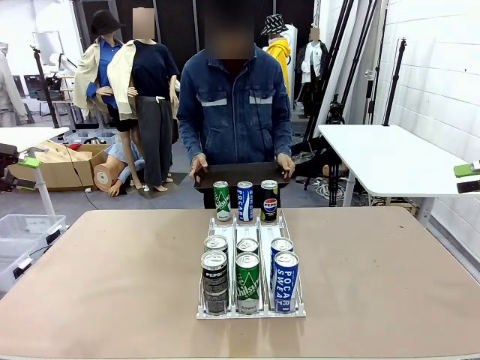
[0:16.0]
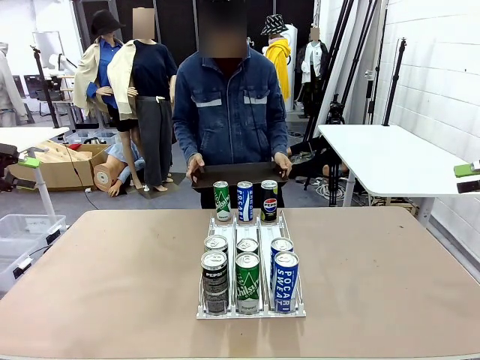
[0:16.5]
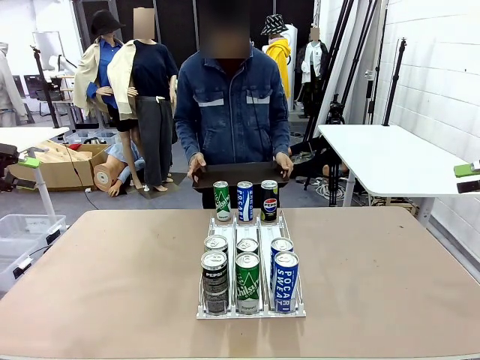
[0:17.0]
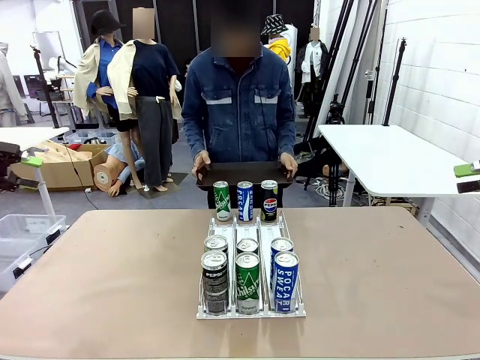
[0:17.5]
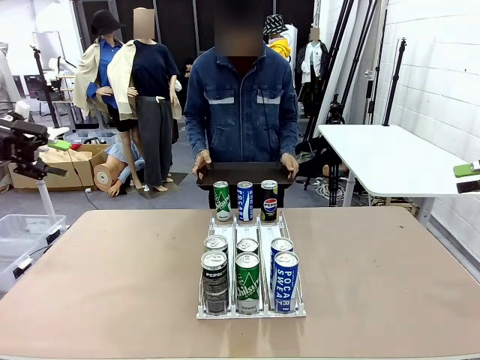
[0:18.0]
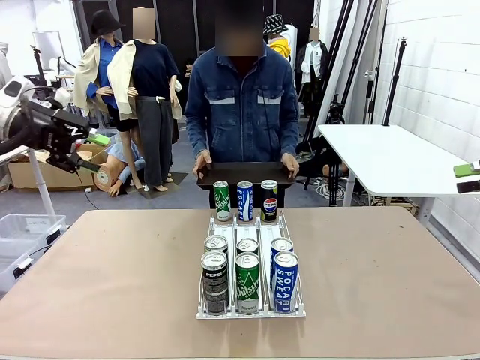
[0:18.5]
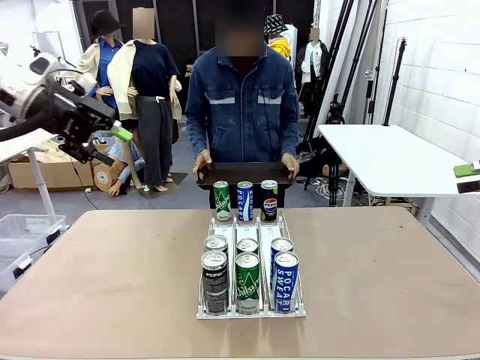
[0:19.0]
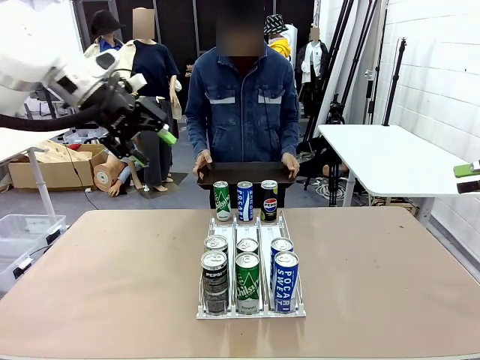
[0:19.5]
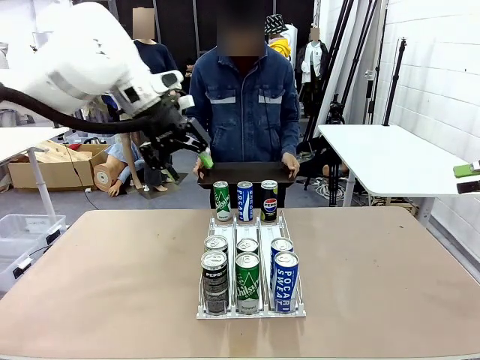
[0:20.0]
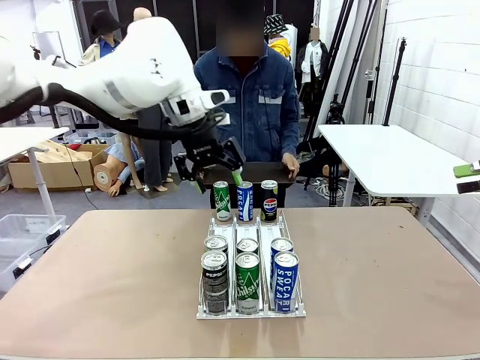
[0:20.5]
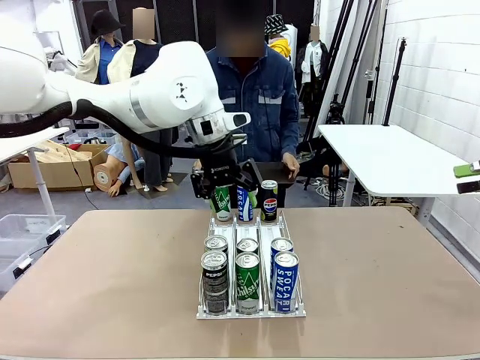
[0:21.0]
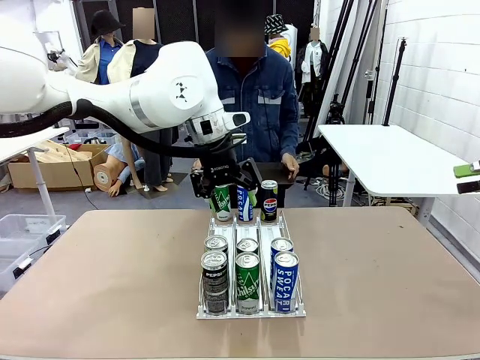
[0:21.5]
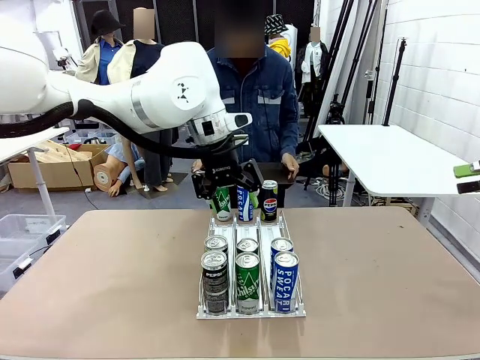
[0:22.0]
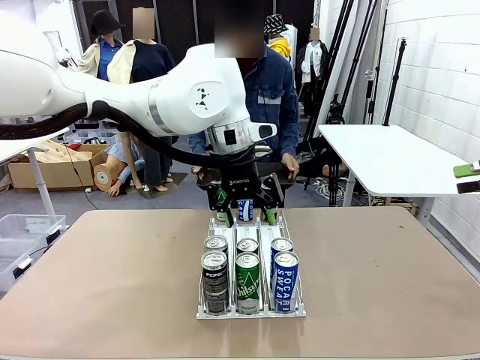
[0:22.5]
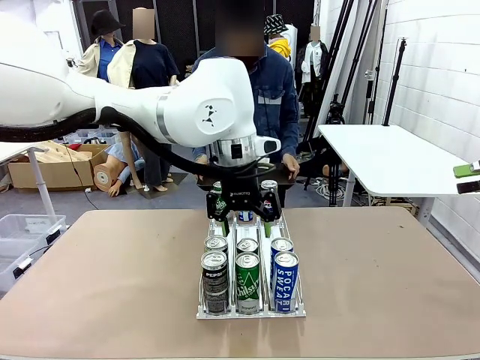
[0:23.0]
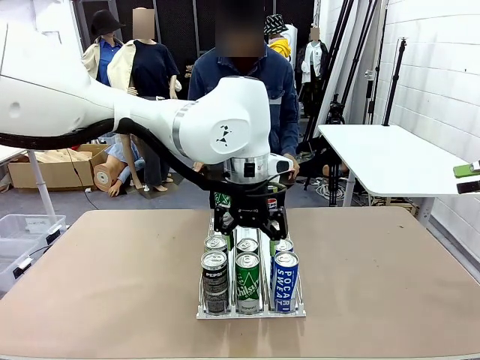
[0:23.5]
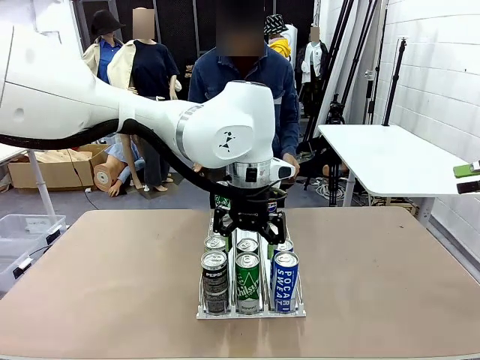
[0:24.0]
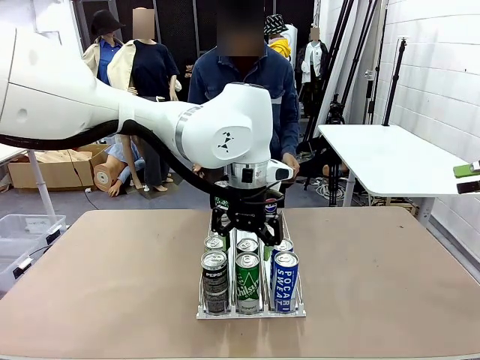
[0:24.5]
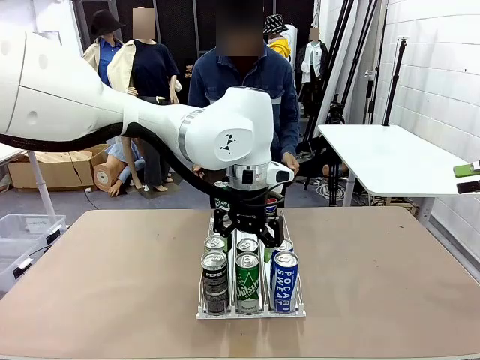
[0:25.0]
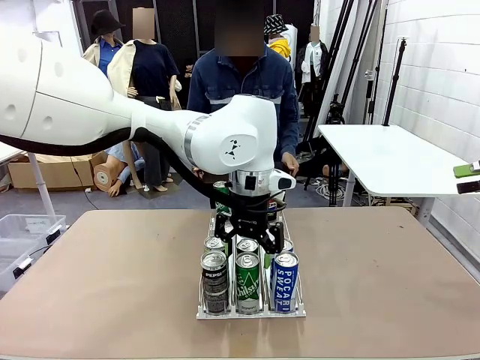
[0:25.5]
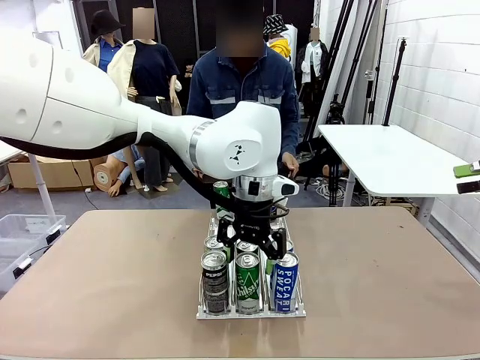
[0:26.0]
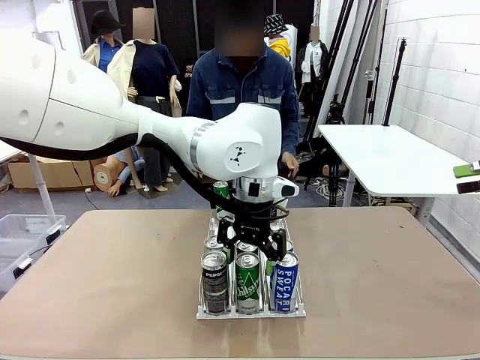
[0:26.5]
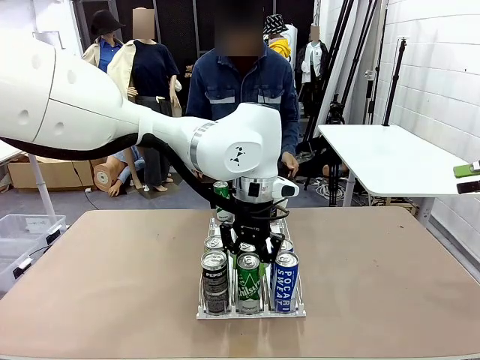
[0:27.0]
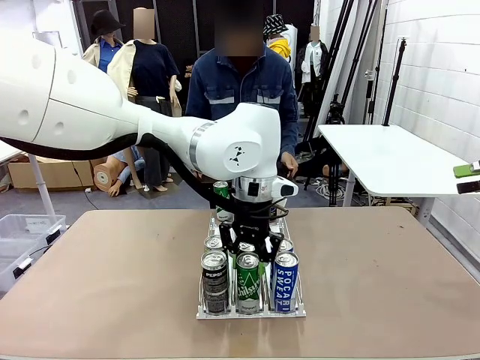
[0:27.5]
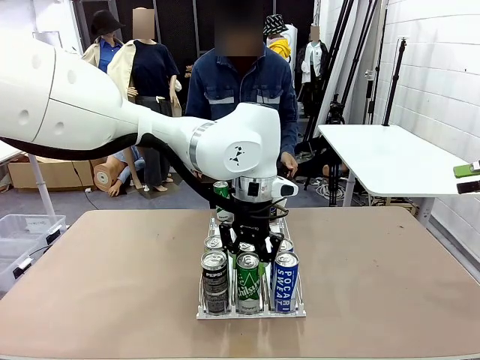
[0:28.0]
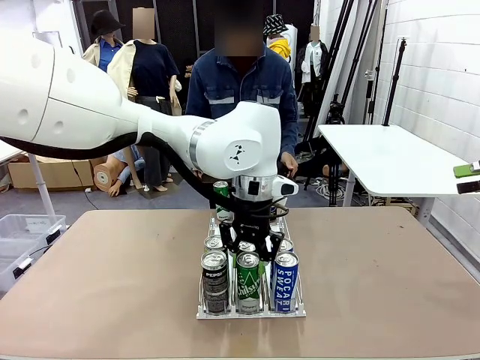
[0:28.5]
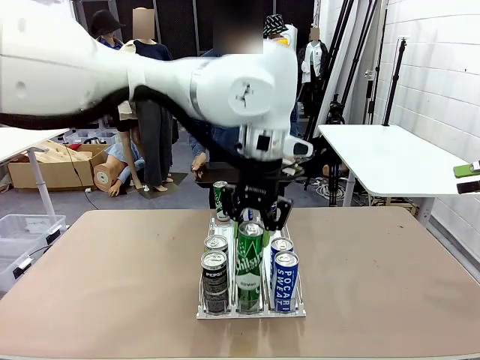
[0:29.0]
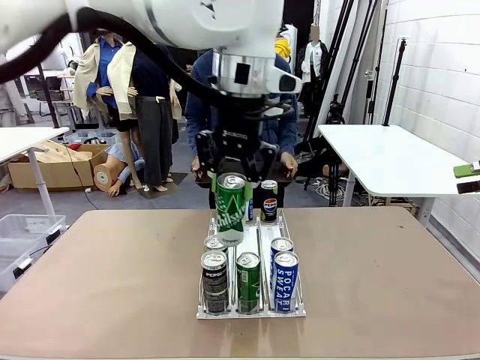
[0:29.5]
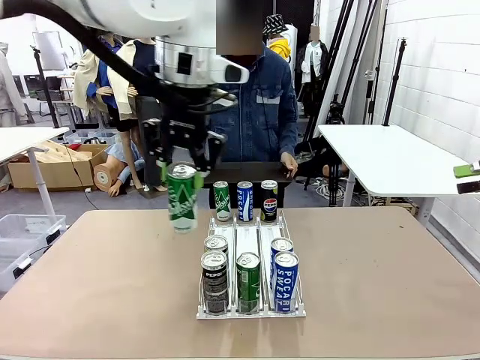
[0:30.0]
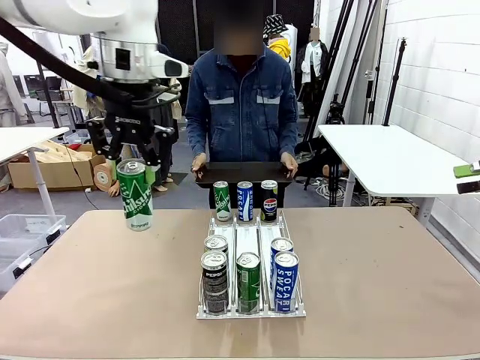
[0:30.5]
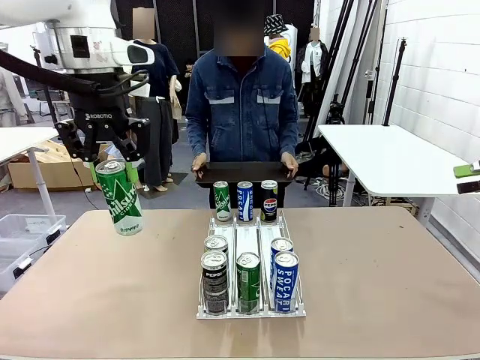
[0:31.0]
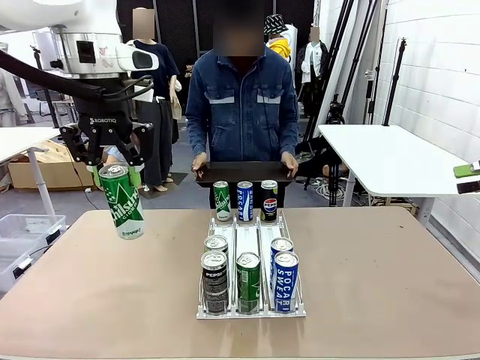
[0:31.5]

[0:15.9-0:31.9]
Task: Retrieve and hand over the desired beverage to the person.
Robot: Pick up a can of the same type that the person held from the Automatic Can Dispenser.
Person: Push the tray toward the robot.

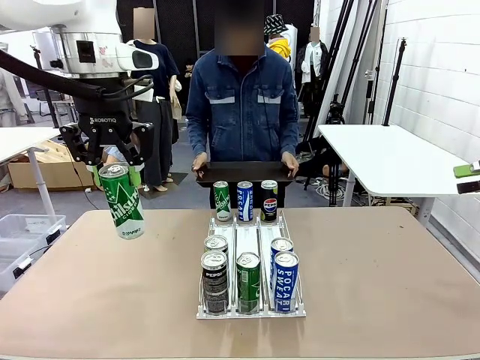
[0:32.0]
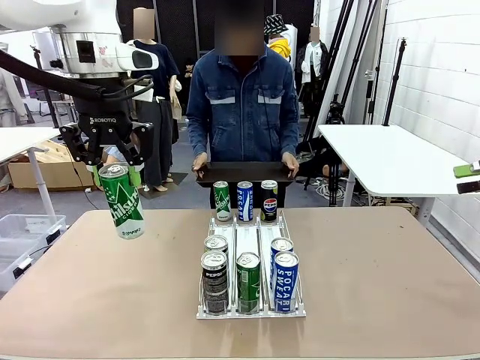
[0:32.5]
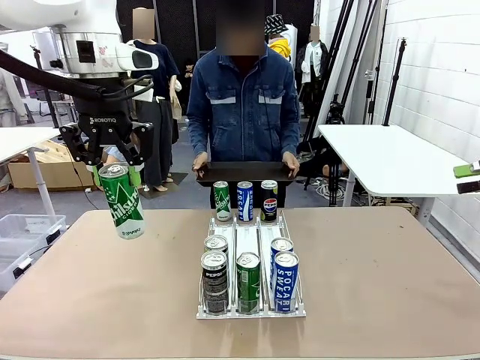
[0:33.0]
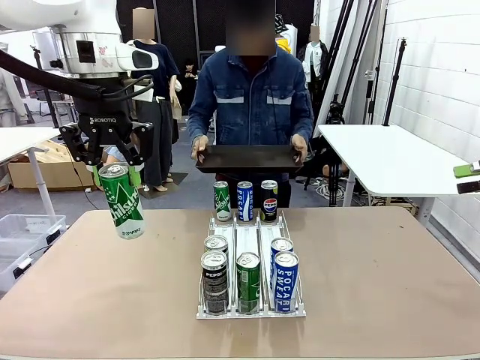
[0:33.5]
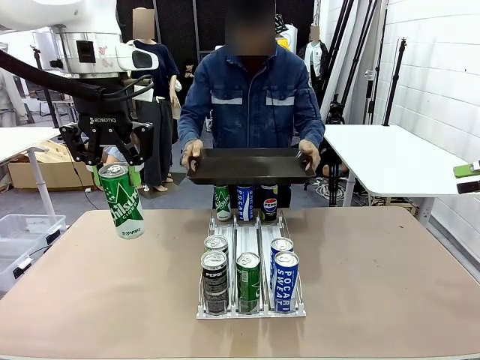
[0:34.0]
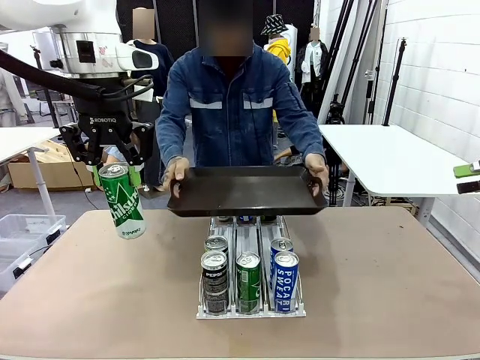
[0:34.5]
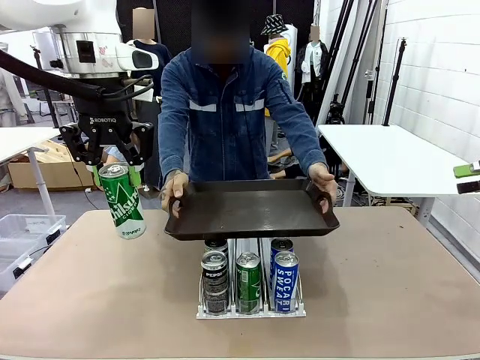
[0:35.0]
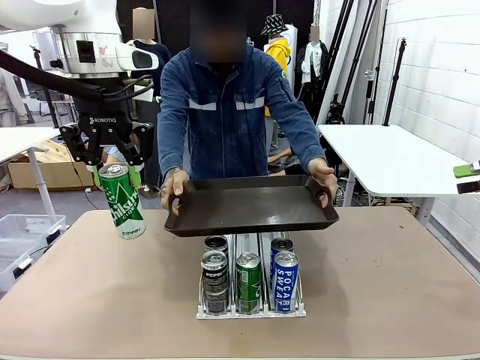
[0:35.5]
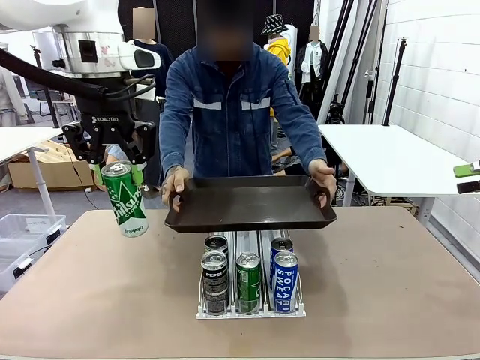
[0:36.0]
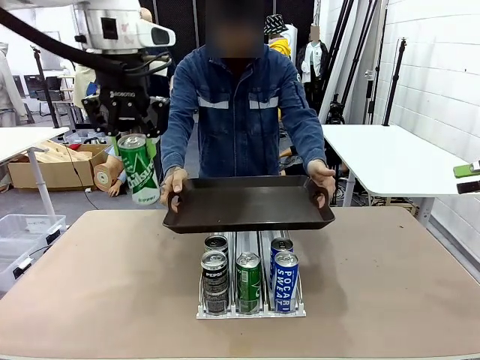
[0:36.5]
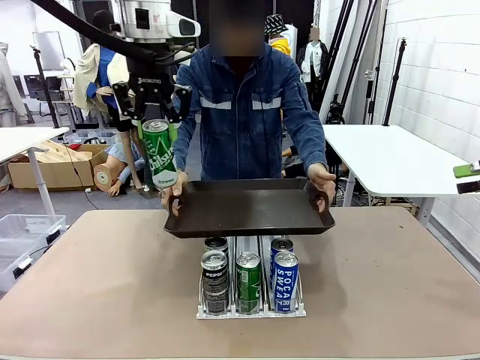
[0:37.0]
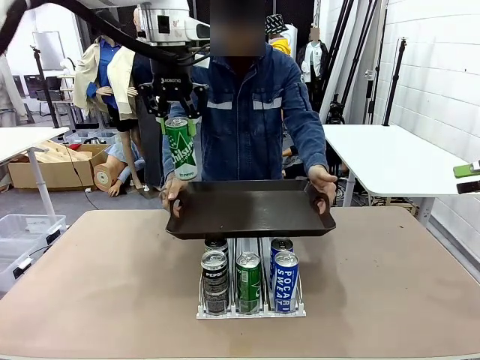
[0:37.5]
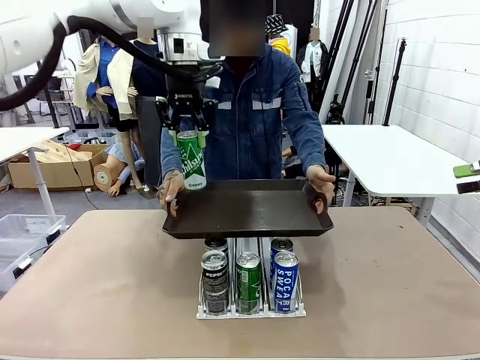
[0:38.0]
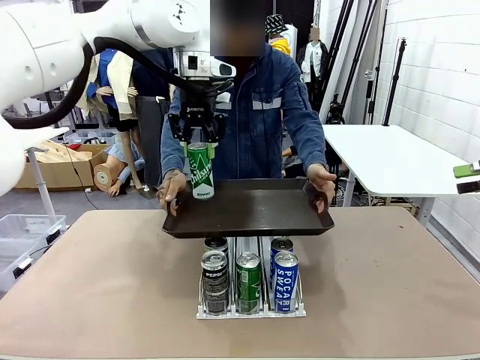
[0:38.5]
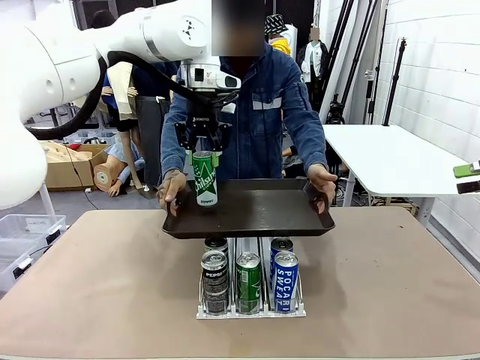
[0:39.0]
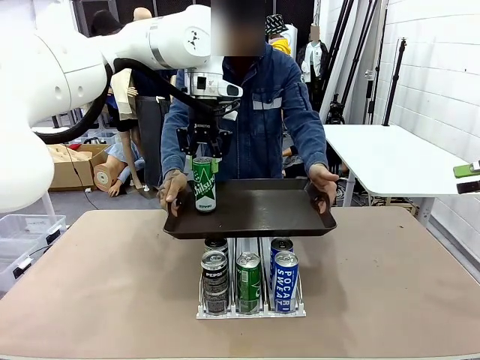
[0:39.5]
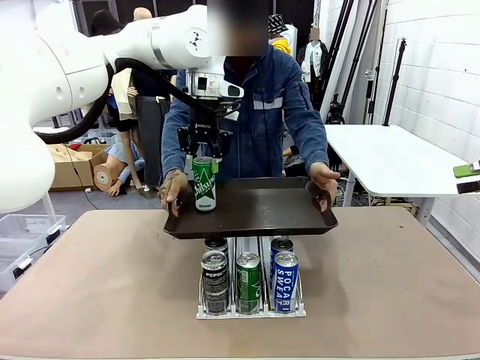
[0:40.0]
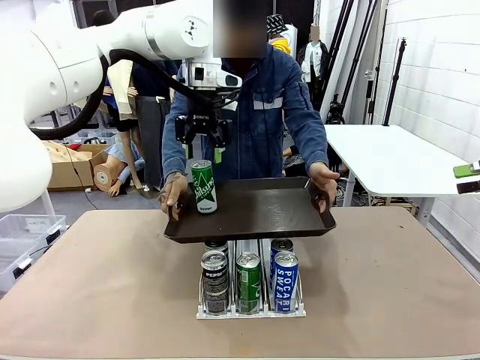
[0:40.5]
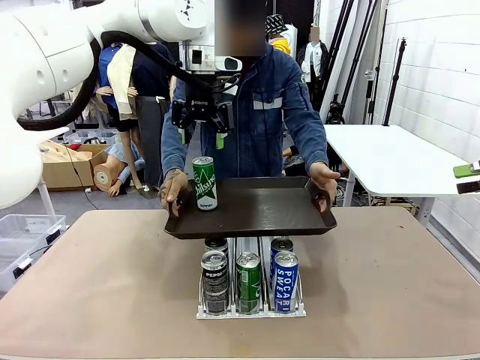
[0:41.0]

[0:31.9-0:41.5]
Robot: Place the picked can on the Handle tray extended by the person.

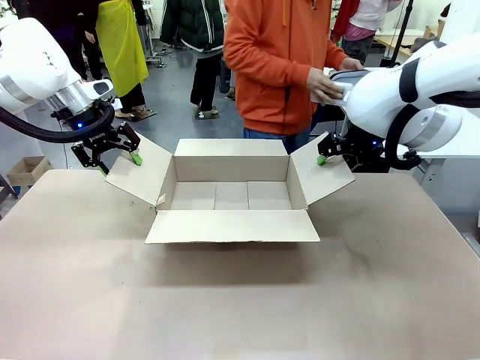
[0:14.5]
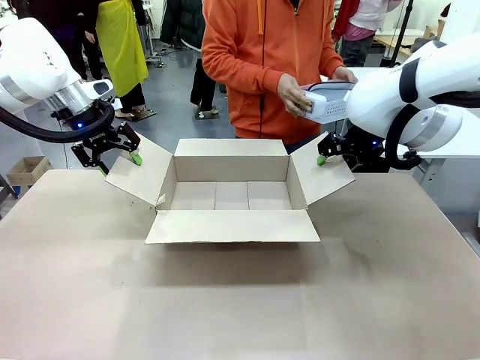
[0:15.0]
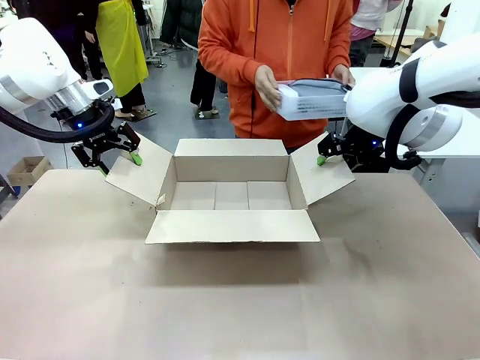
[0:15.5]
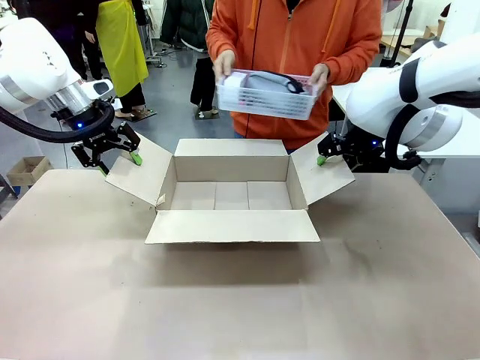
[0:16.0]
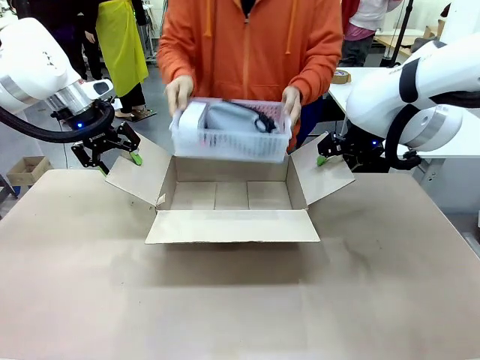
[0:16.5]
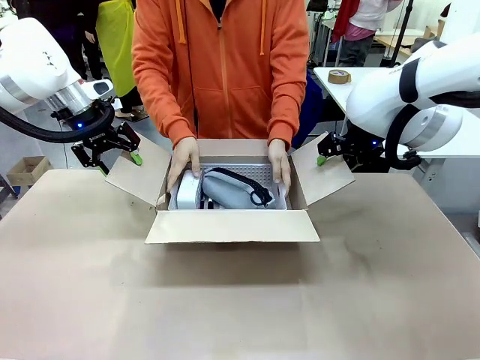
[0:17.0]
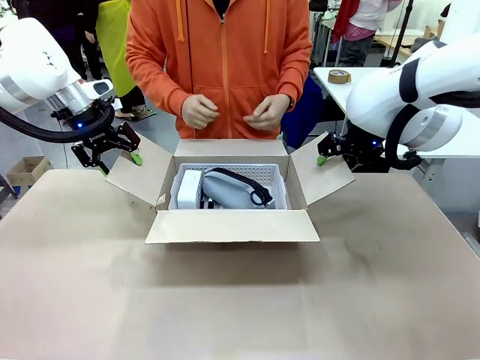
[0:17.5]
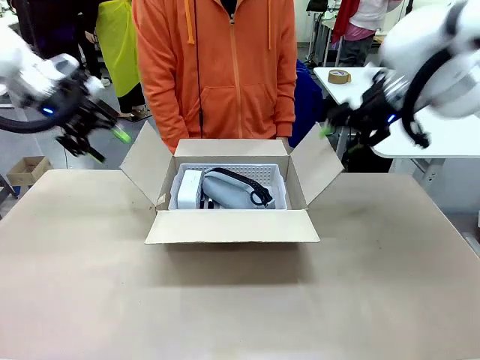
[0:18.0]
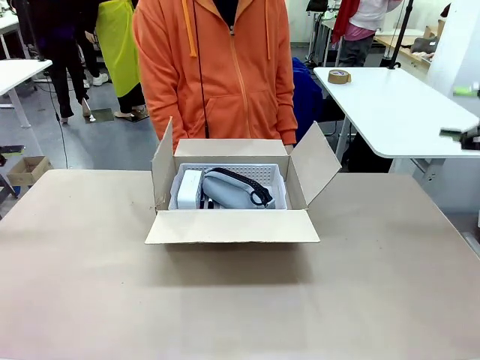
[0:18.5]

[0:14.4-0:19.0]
Task: Pack the gift set into the box.
Robot: Lift both hands away from the flaps of the Package Box.
Person: The human picks up the organizing basket and places the organizing basket into the package box on the robot table.
